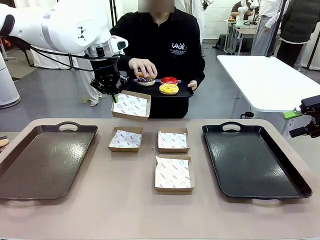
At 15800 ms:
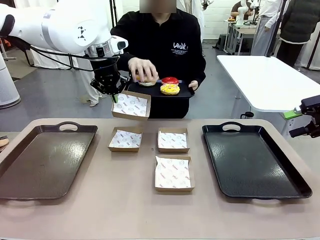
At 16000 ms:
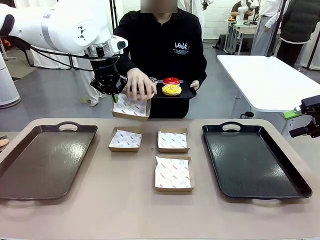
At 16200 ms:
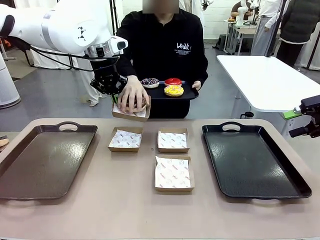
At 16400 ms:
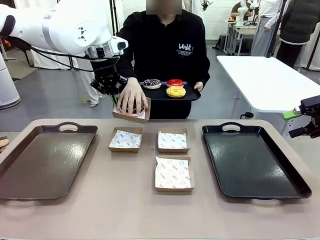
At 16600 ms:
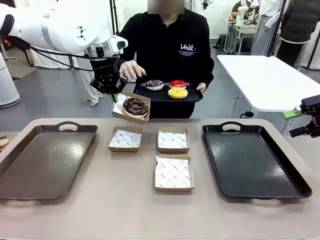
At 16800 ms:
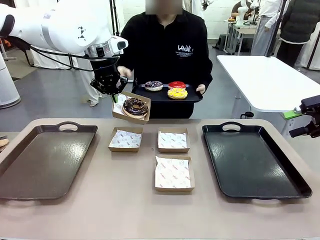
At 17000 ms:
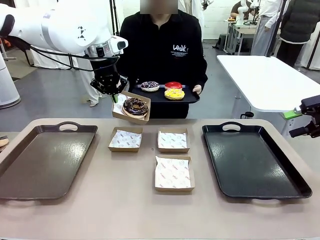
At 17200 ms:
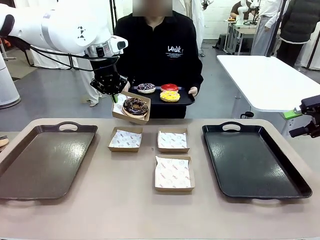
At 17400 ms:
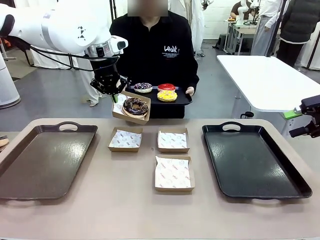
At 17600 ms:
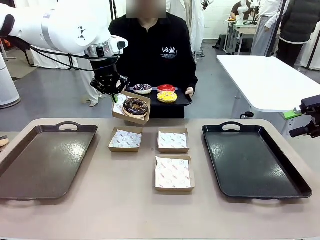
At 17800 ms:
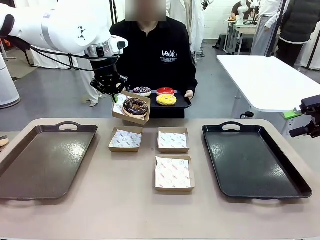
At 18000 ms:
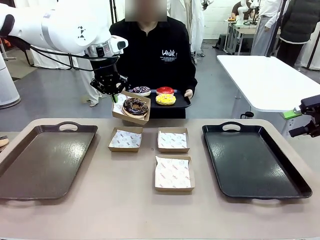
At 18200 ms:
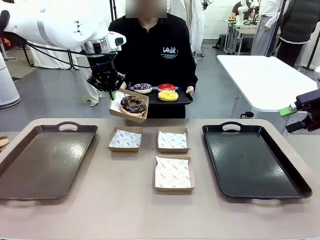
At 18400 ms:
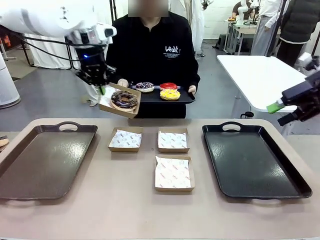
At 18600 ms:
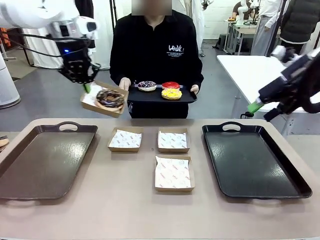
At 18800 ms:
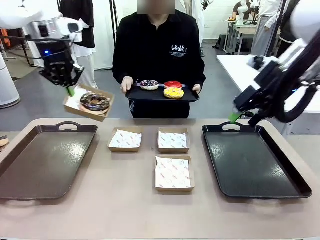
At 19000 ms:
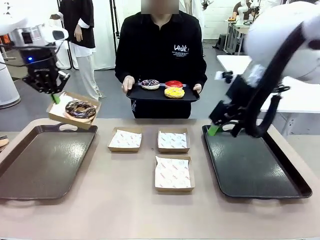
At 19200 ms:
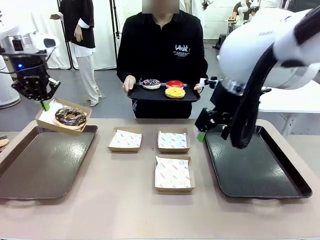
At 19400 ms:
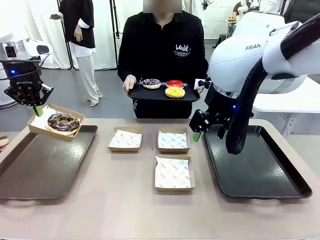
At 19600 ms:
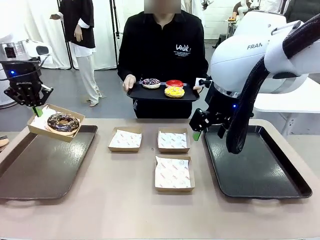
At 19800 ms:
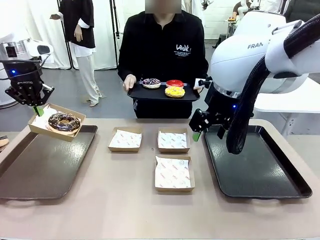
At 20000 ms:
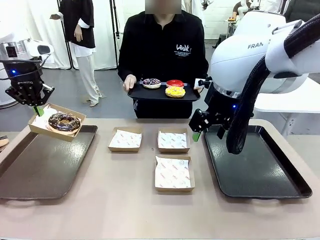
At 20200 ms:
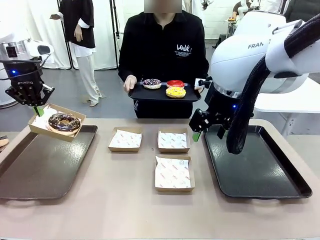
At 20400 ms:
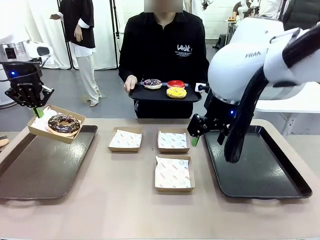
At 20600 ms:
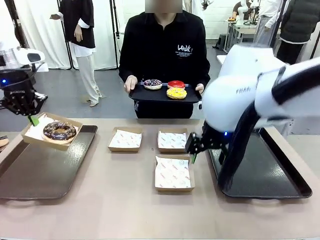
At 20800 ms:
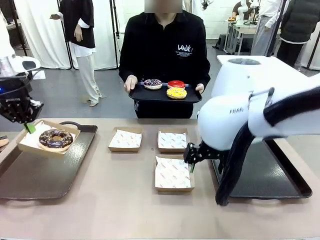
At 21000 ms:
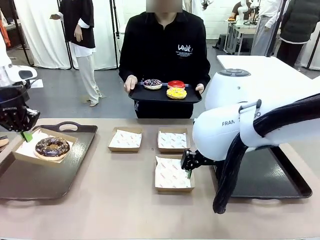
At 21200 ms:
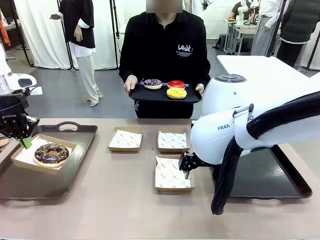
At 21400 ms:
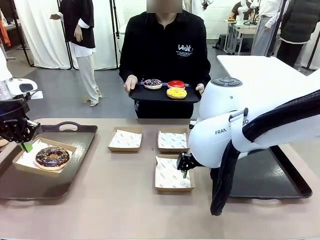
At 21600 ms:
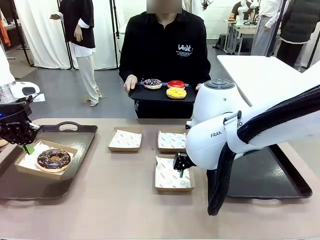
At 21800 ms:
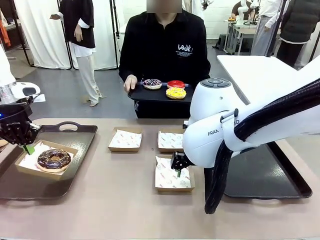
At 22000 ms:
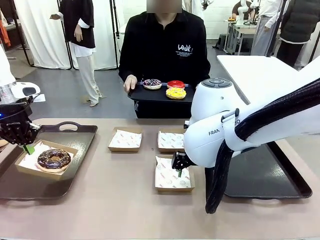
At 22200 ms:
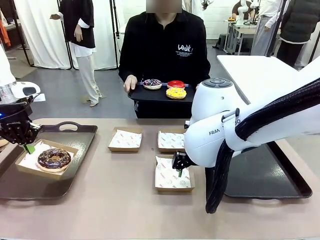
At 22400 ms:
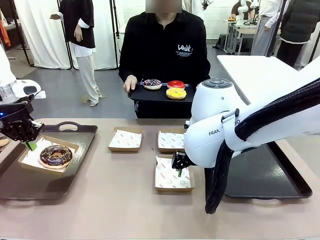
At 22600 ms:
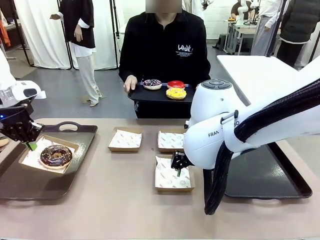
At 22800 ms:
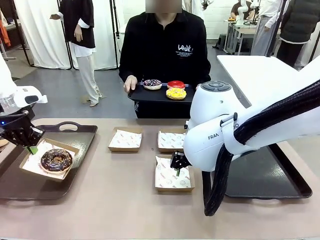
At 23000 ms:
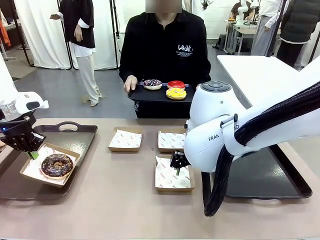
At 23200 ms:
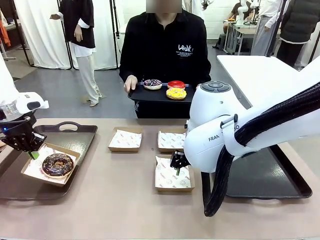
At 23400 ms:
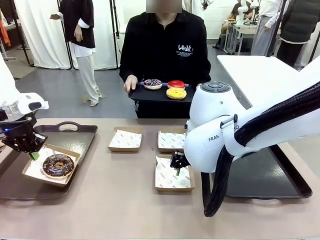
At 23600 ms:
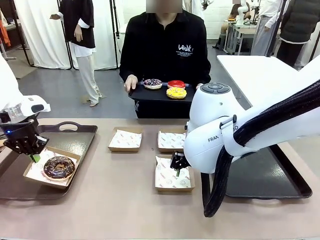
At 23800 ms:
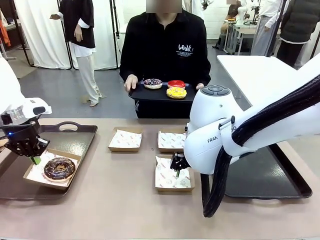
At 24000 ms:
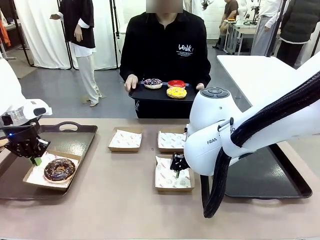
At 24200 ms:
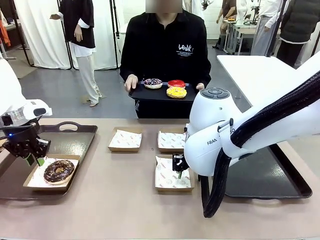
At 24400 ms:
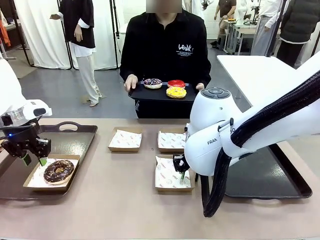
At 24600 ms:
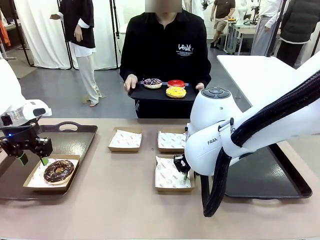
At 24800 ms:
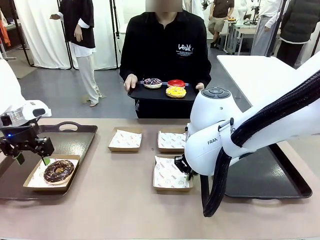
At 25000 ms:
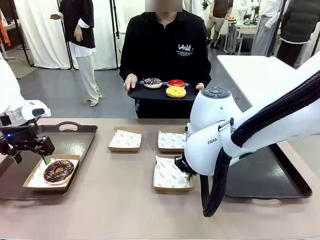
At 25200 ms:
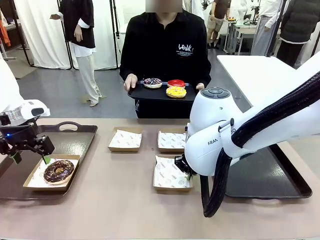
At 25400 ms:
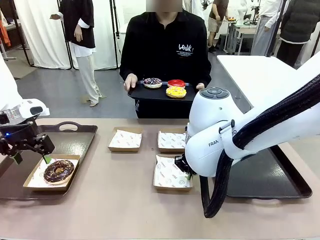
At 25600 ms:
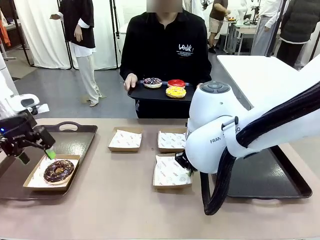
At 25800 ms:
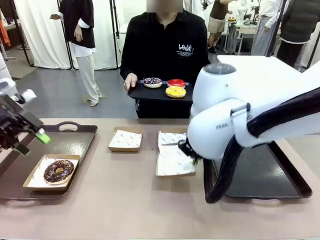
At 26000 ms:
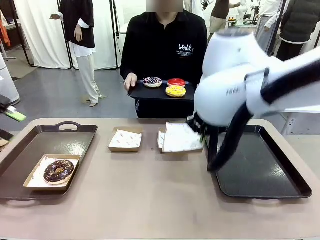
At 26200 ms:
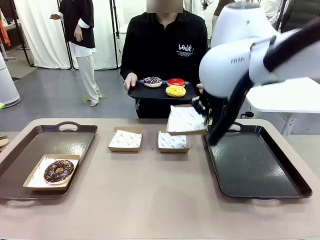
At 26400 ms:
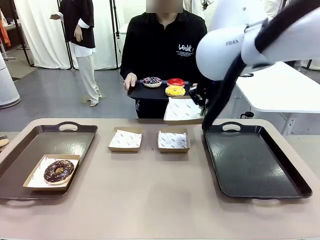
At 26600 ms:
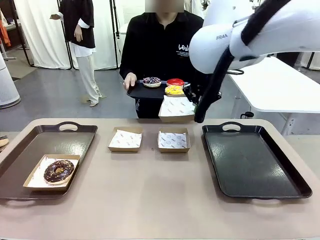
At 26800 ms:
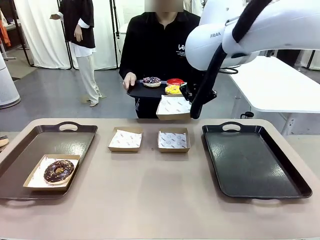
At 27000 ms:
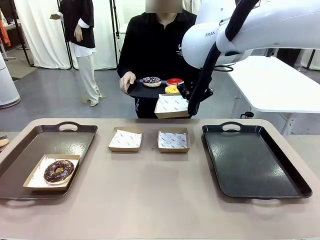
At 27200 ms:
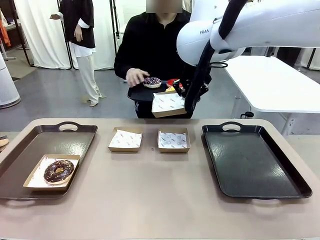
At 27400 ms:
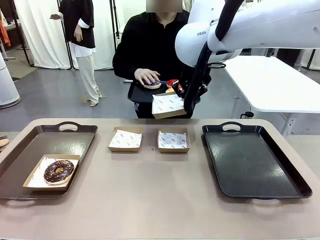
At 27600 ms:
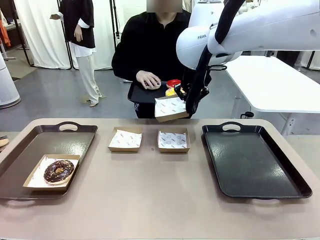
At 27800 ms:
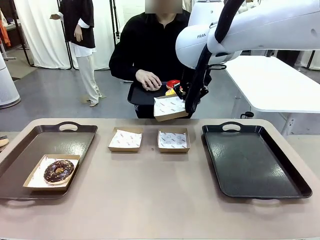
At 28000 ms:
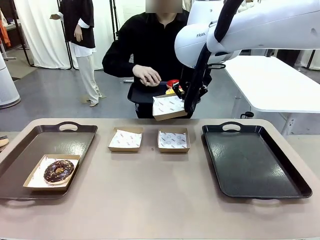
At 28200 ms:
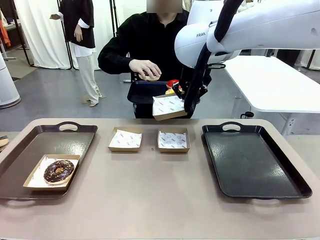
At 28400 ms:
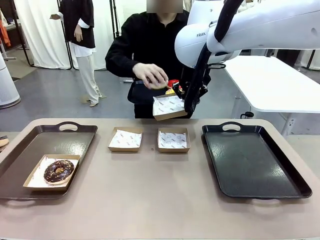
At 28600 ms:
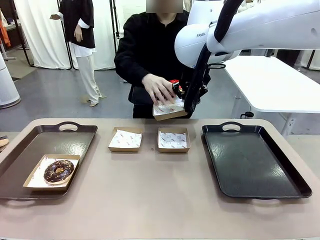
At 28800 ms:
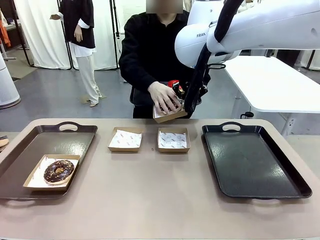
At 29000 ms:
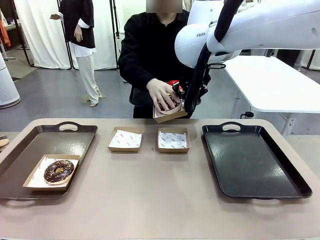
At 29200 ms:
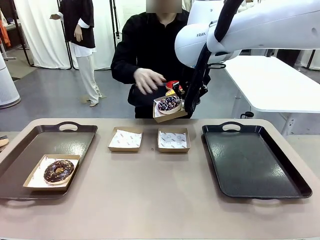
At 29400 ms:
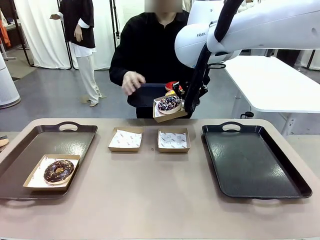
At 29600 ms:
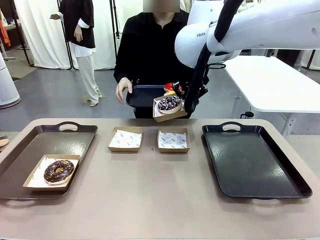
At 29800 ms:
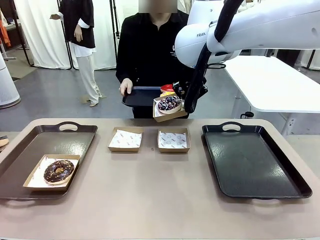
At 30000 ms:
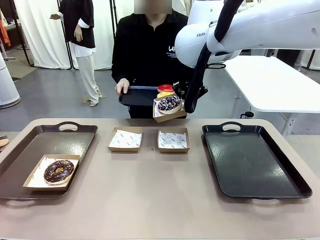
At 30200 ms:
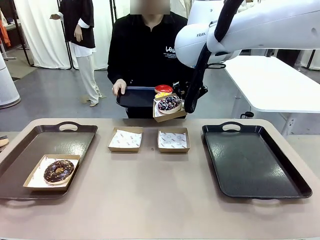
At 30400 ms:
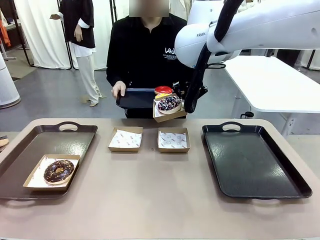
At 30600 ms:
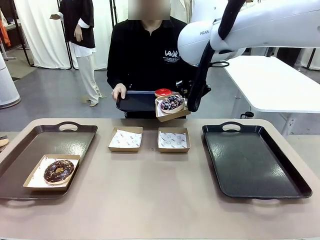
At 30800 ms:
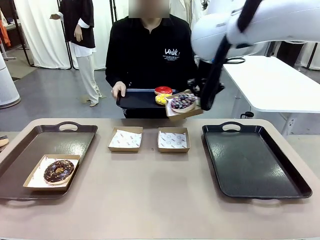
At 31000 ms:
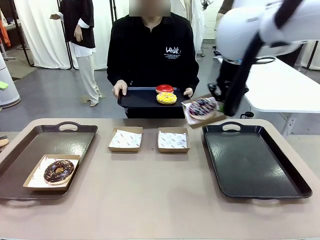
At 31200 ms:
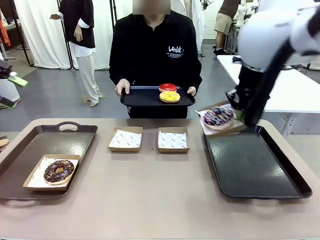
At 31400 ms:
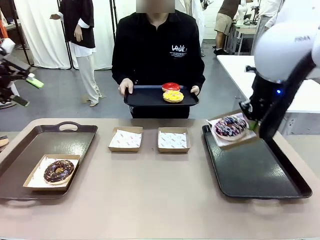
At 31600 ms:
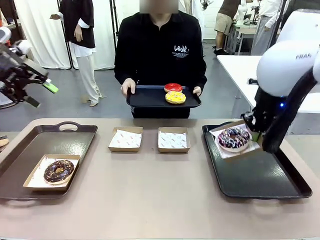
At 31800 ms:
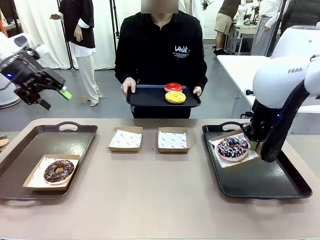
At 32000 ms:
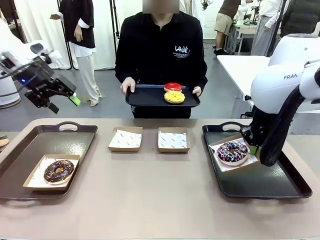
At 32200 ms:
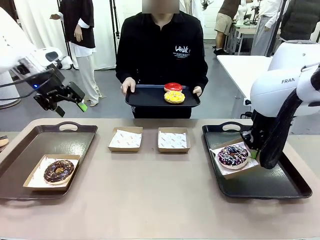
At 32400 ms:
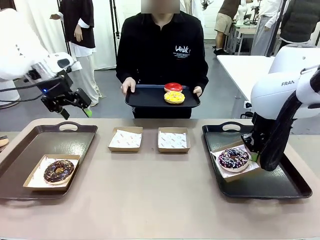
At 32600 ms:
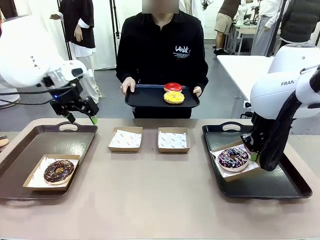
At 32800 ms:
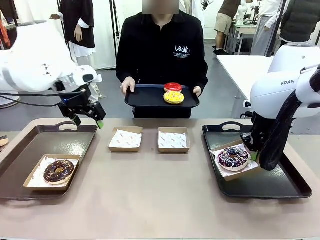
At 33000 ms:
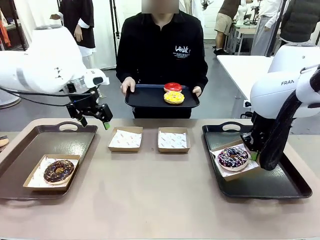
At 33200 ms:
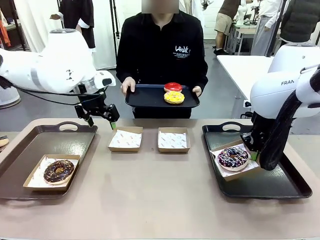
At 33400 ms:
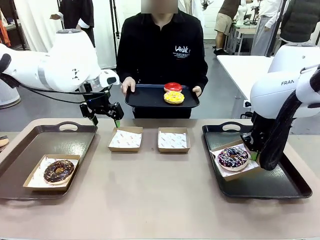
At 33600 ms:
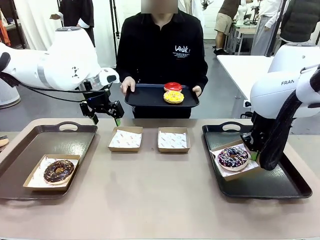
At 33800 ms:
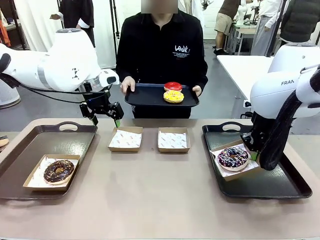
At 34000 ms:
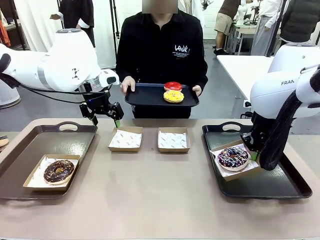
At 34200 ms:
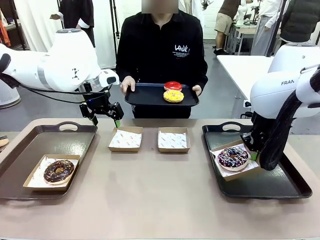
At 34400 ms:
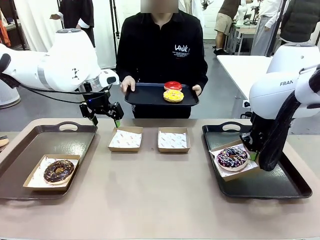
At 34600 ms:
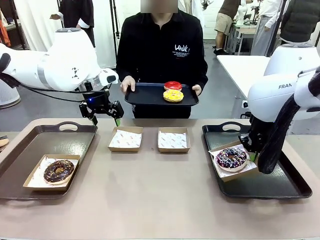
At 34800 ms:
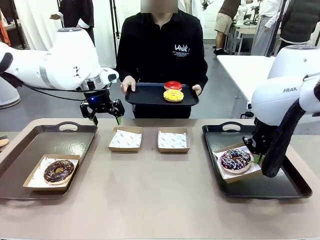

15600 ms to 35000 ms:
Task: Individually package the donuts and arrange them on the tray.
Robot: Place the picked Paper togo box on the Handle tray while simultaneously picking up another Paper togo box from the table with the other hand.
